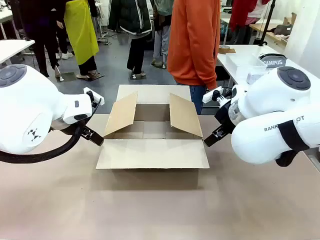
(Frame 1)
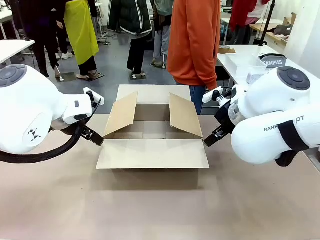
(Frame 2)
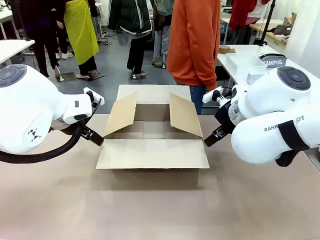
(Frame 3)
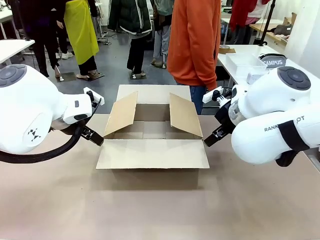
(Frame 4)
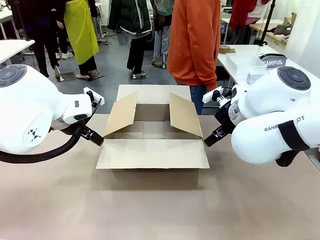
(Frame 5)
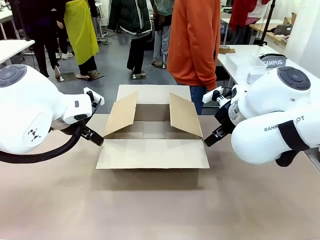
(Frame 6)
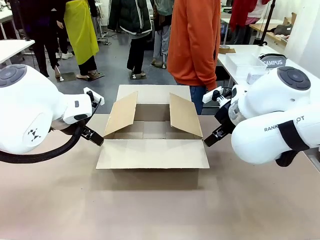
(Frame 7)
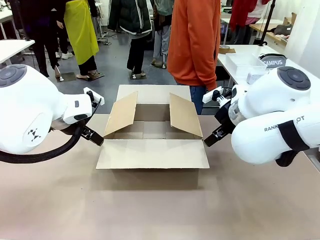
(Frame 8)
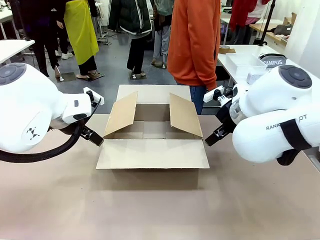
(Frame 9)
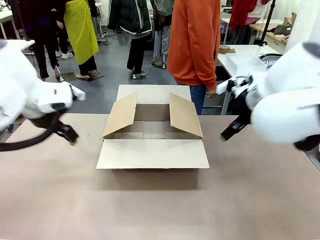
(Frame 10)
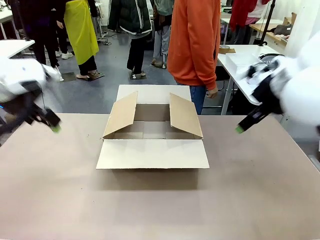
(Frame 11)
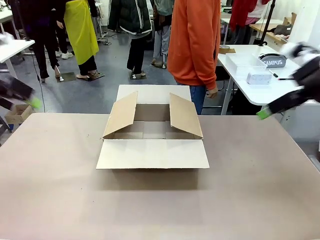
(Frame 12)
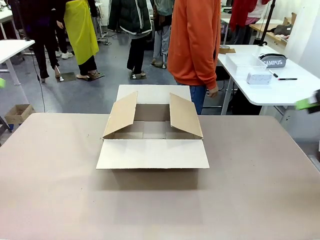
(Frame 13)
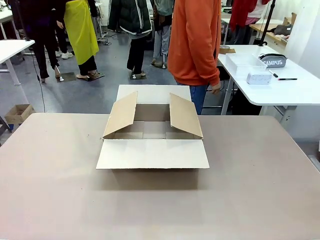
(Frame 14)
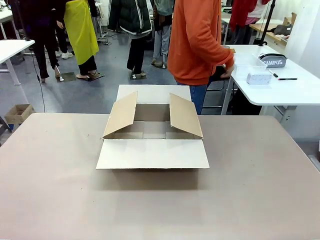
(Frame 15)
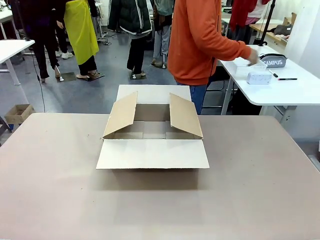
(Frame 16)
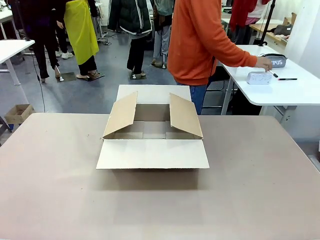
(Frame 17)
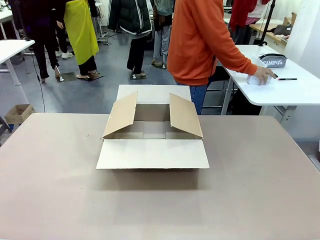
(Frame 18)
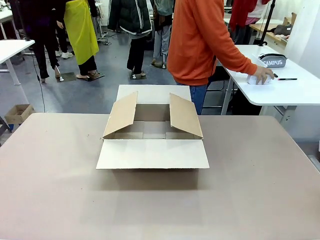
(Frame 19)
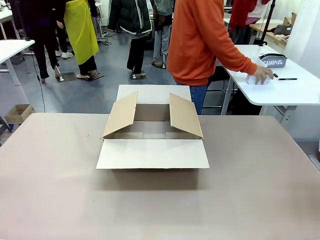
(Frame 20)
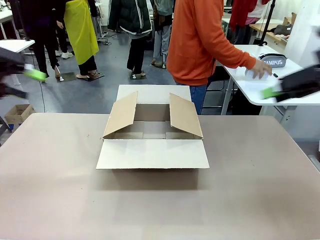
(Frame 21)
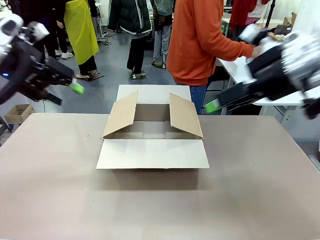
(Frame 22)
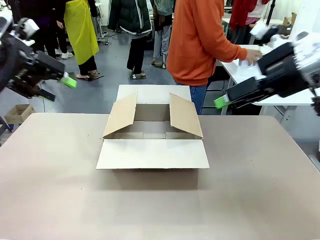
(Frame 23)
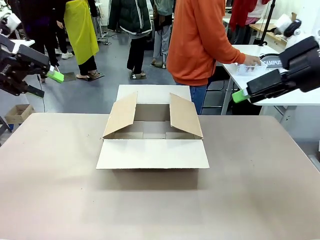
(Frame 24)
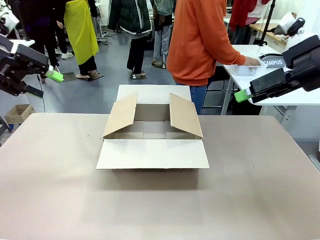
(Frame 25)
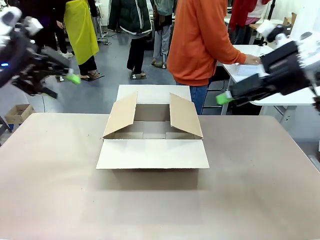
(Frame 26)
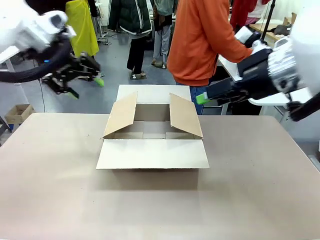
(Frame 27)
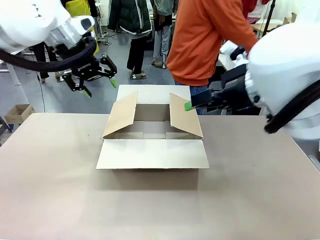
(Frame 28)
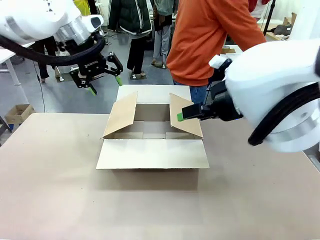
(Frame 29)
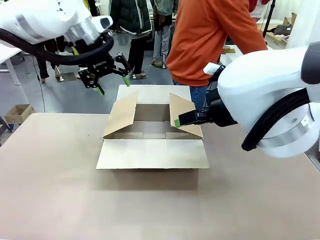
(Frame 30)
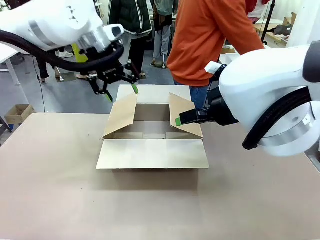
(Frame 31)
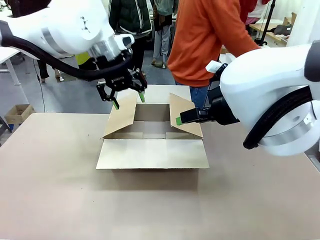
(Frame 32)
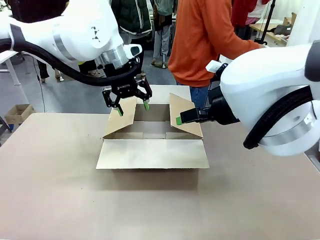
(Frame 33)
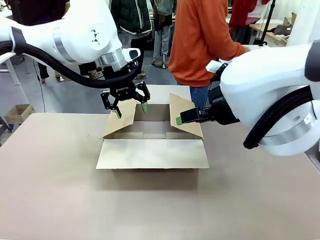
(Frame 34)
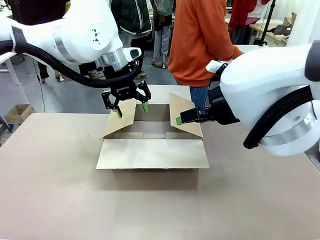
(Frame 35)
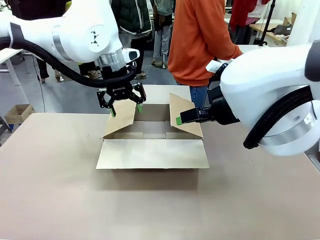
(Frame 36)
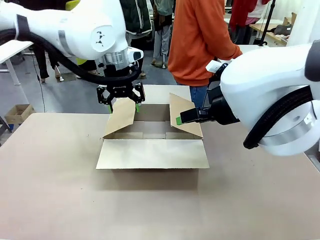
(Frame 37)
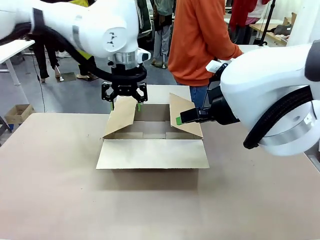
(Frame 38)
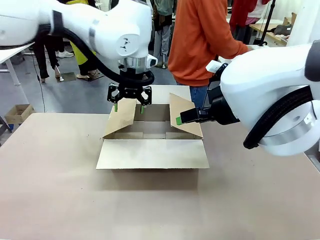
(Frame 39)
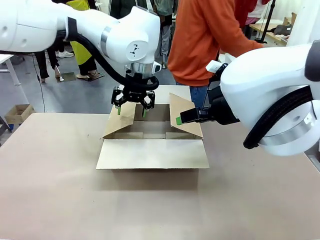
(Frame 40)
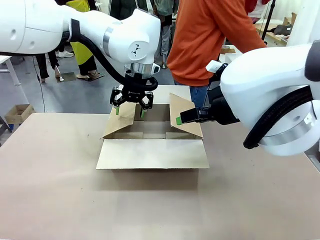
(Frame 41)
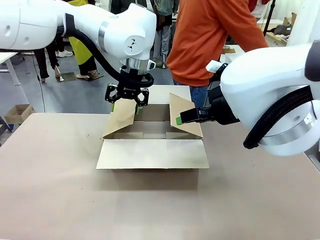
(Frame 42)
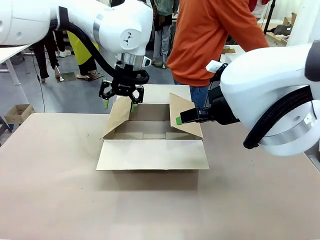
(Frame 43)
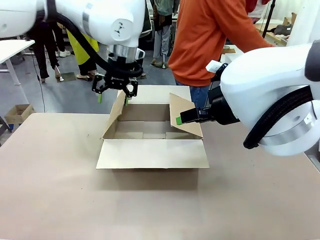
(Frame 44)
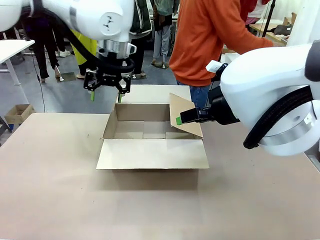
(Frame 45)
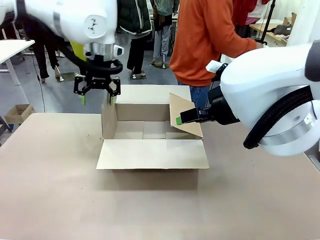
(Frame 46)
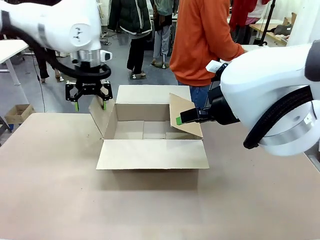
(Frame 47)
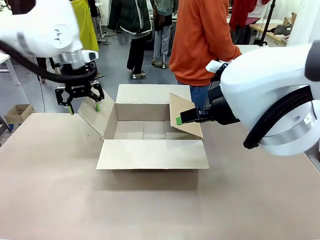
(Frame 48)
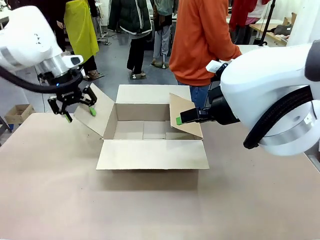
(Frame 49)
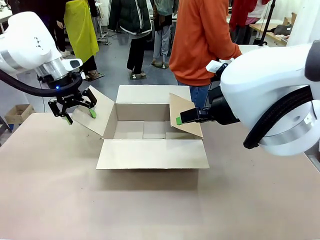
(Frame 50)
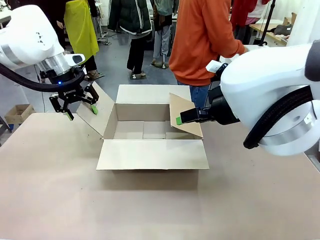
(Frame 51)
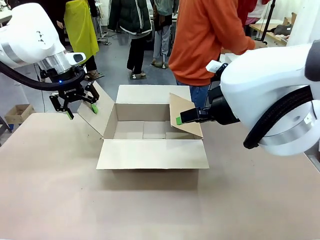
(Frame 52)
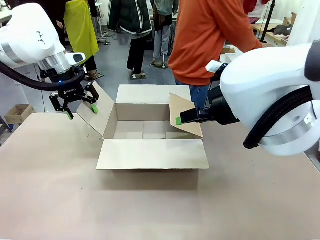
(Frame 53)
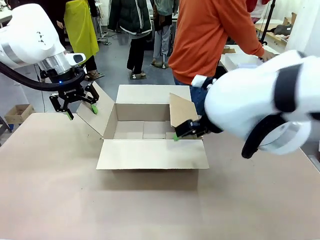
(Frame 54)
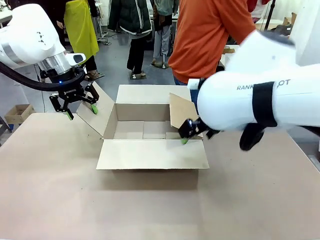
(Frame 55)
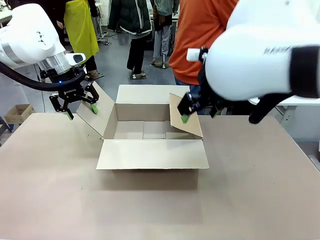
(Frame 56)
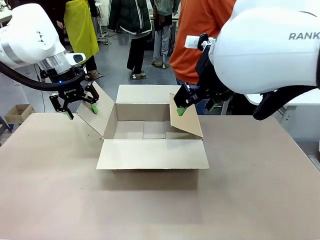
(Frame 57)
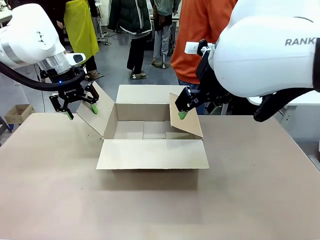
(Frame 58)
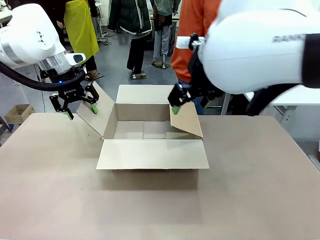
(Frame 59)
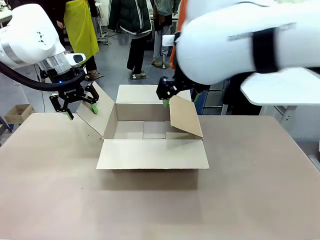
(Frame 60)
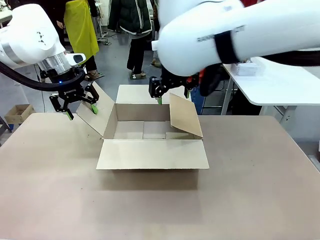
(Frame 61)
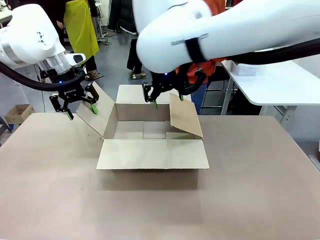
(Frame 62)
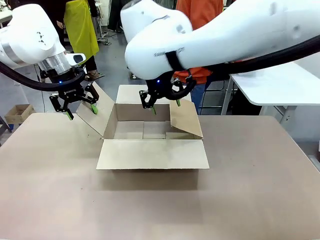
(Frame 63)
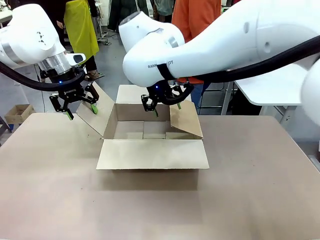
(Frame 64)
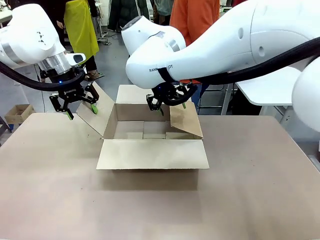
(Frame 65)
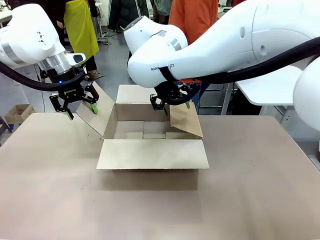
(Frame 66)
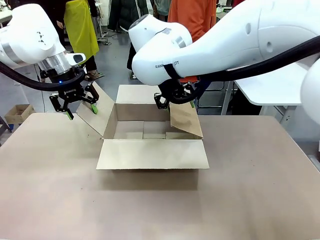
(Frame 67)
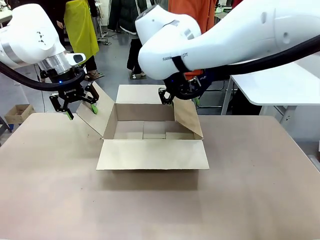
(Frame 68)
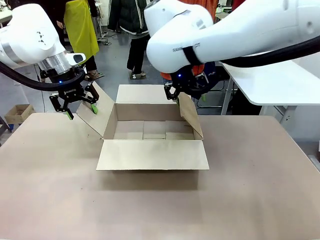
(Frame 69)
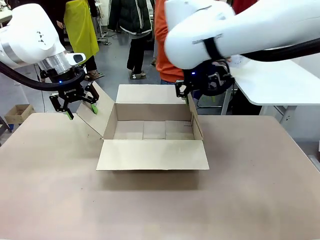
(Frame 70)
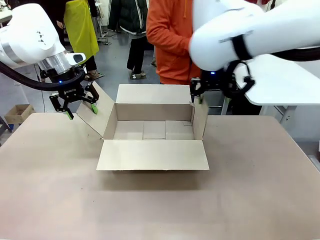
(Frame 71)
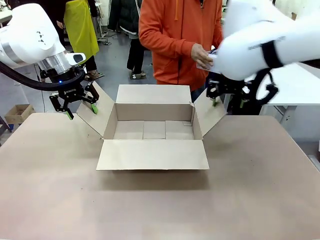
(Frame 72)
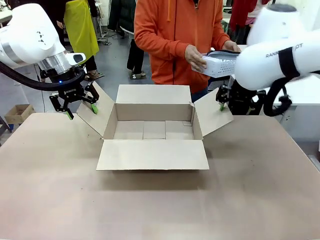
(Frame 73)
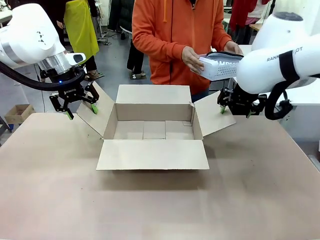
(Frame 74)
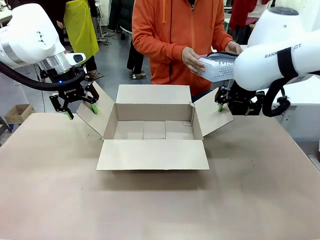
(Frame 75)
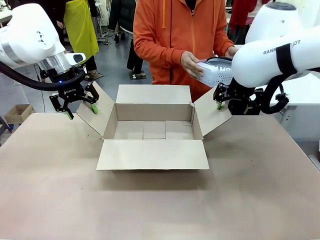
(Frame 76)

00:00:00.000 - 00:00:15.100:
Task: Pack the gift set into the box.
Robot: Place both hands on the side flaps of the Package Box and spread them outward.
Person: The human places all items except the paper tape into the organizing basket.

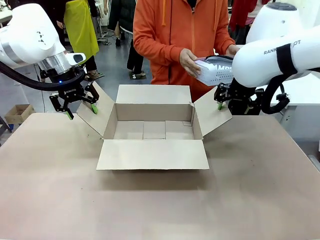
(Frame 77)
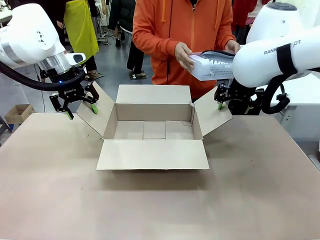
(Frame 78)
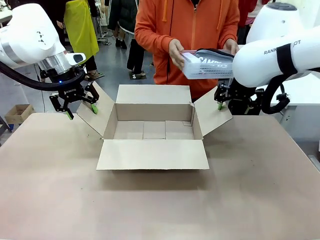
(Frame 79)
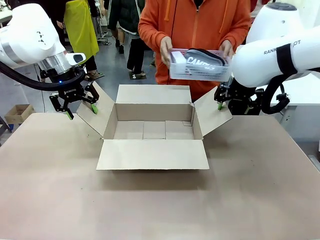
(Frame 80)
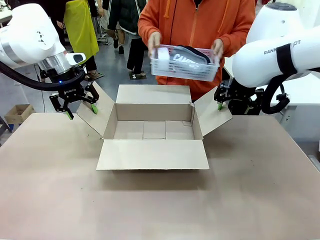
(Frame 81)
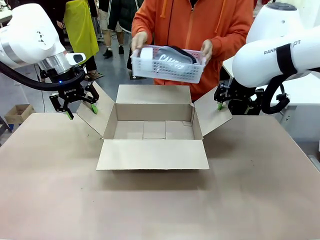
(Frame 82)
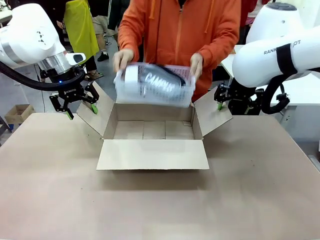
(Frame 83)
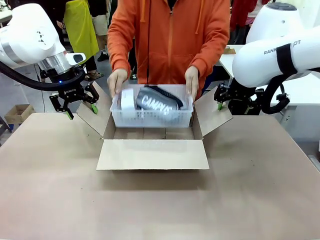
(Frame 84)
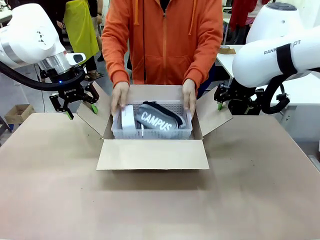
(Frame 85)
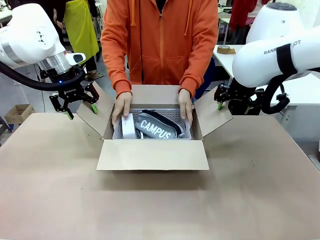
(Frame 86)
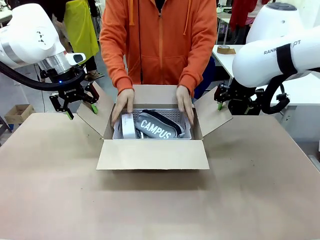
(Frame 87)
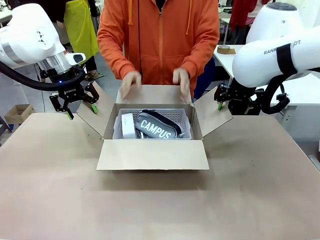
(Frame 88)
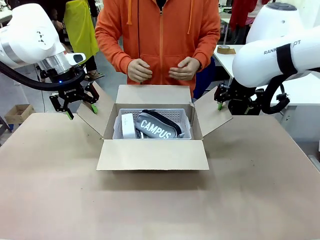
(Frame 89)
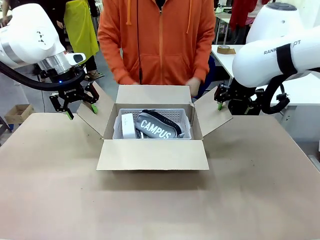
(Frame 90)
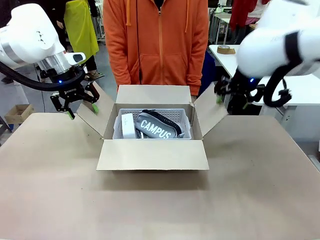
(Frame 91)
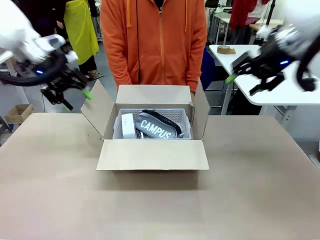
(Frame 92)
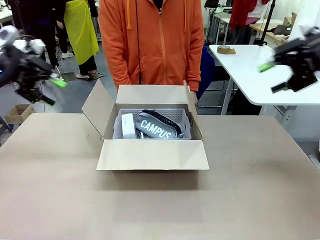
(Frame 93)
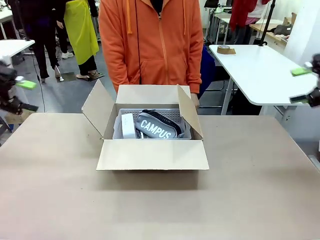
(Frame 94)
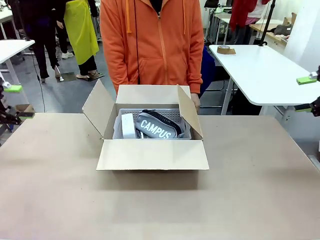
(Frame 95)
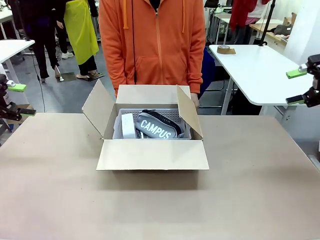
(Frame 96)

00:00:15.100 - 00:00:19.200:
Robot: Lift both hands away from the flaps of the Package Box.
Person: The human picks up the organizing basket and places the organizing basket into the package box on the robot table.
